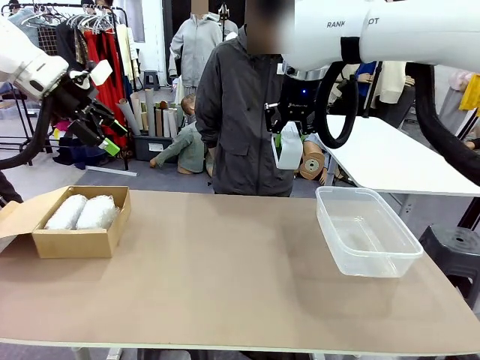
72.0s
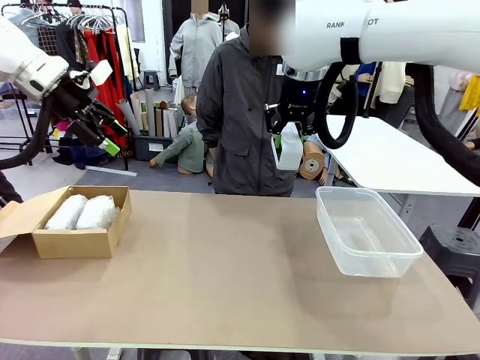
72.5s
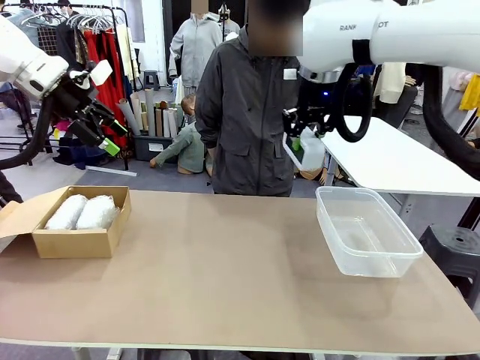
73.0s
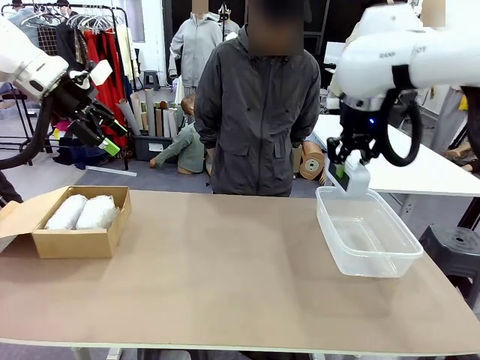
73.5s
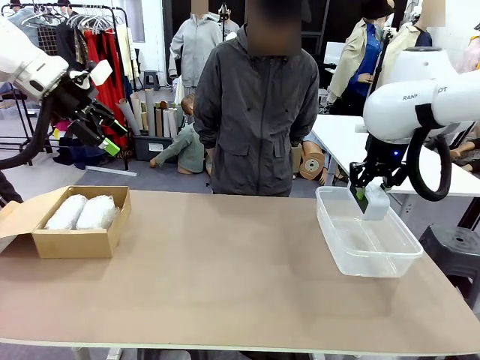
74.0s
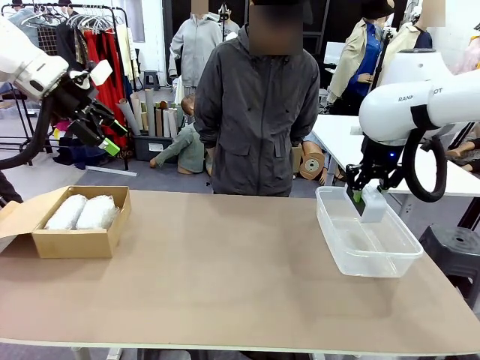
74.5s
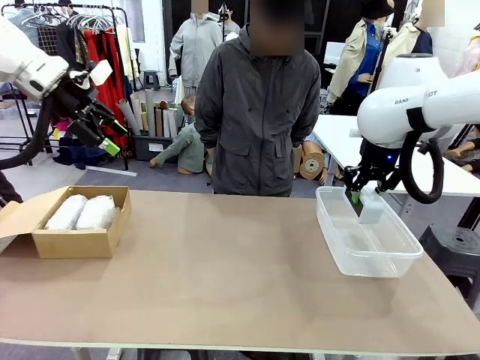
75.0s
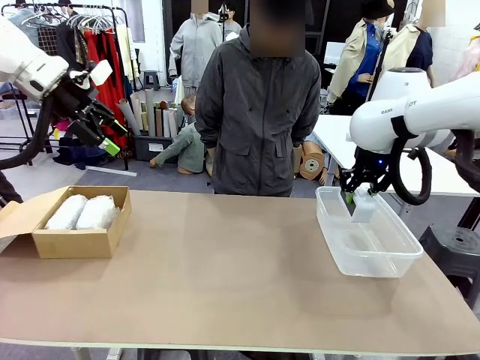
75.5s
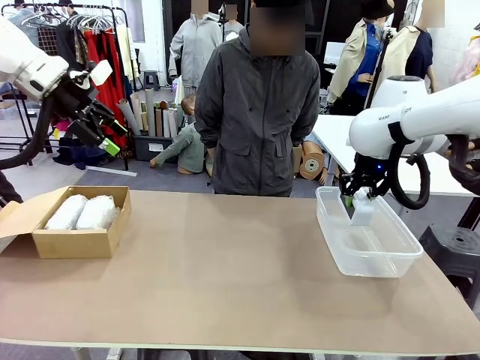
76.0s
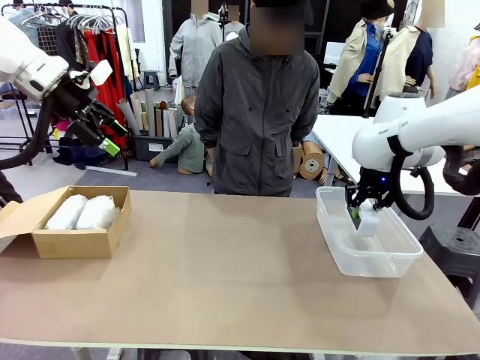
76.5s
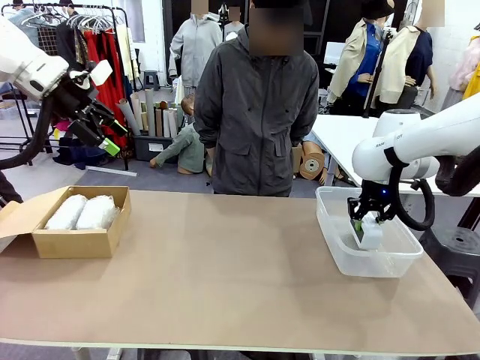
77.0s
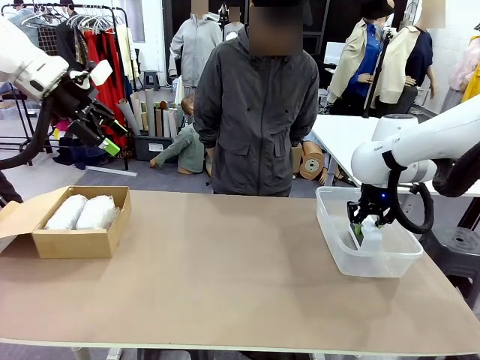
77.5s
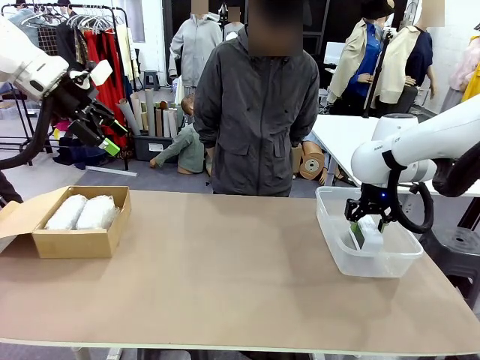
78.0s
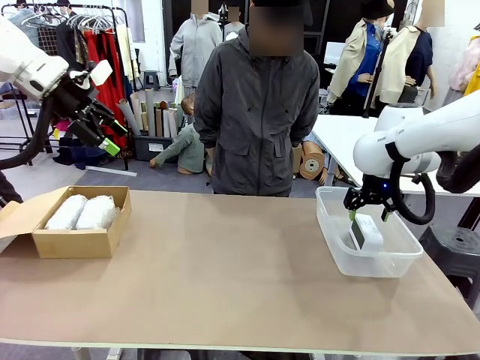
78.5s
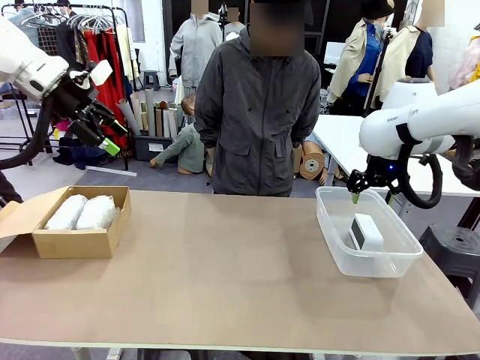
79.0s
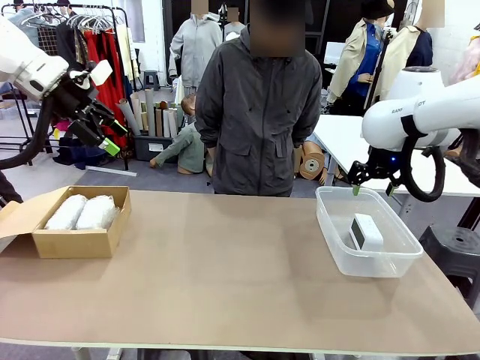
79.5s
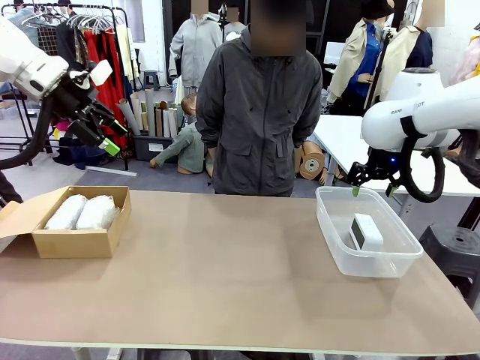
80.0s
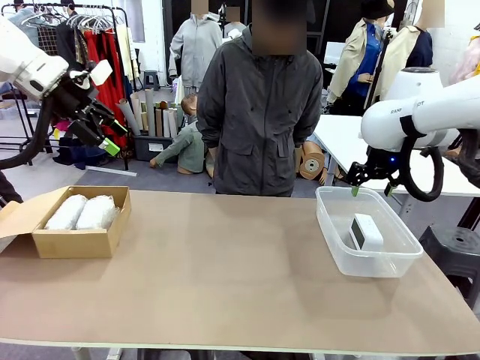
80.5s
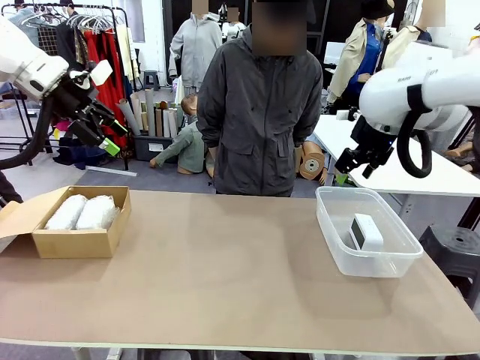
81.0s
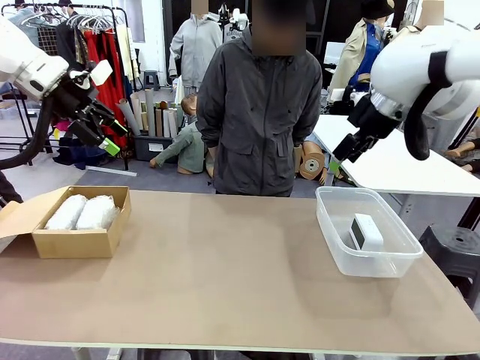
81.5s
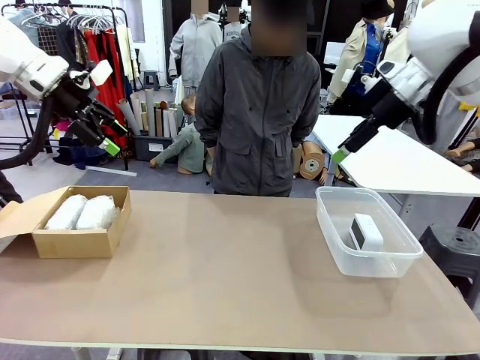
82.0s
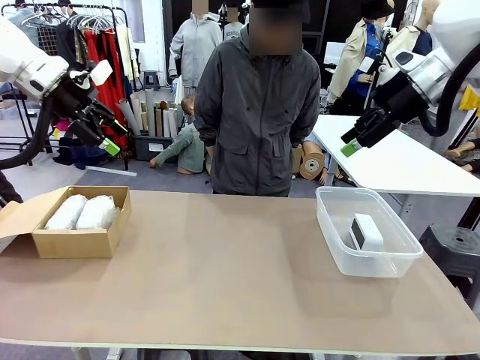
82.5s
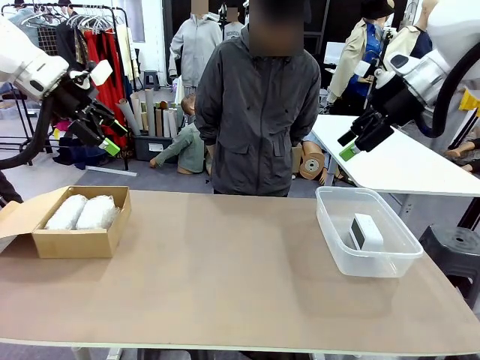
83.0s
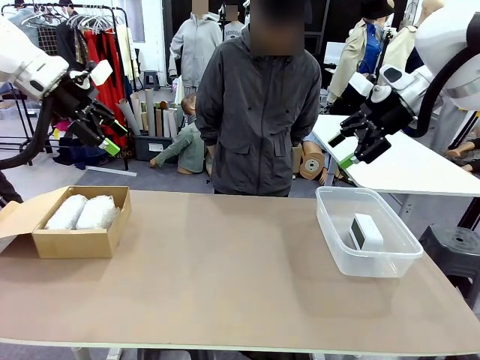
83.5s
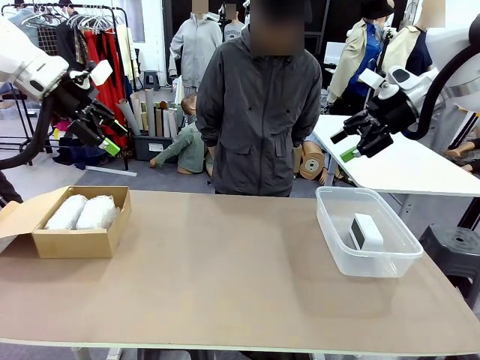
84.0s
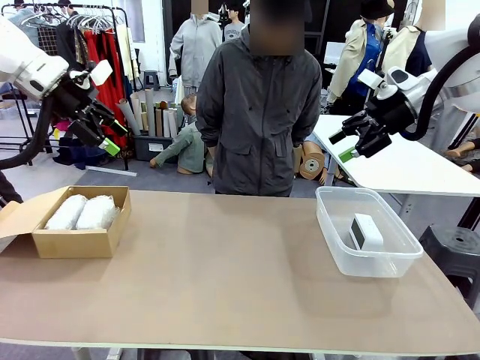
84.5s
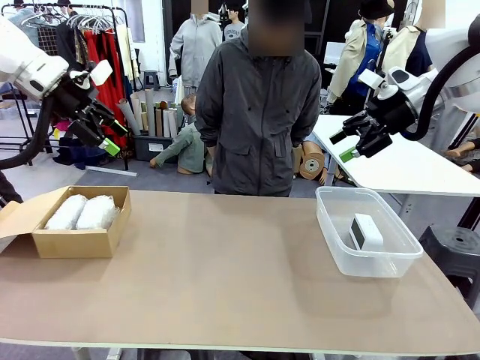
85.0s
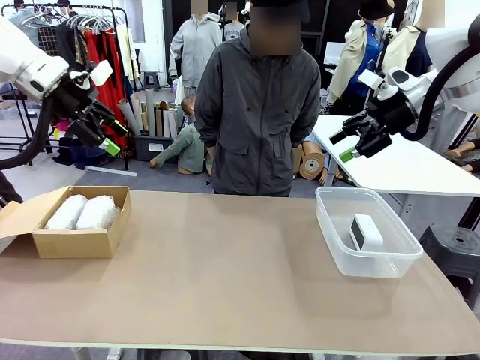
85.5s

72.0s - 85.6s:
Task: Separate and place wrapped and unwrapped clocks.
Robot: If the picked Digital clock is wrapped, place it in the Package Box ; if not, place it in the Organizing box.

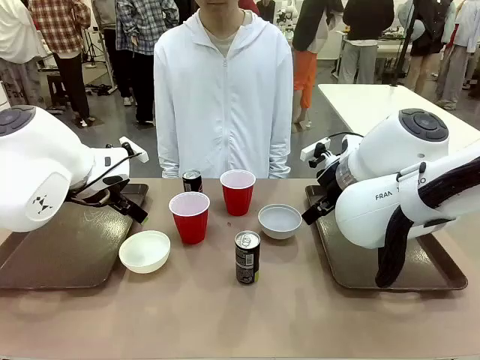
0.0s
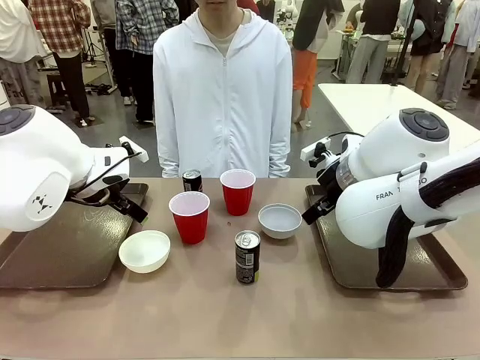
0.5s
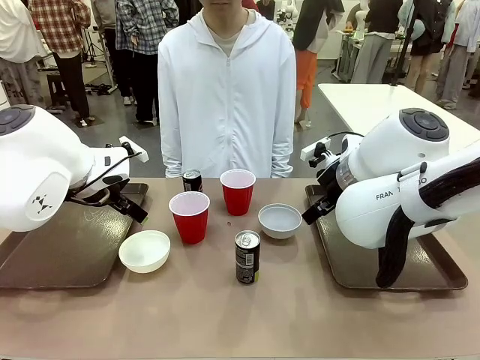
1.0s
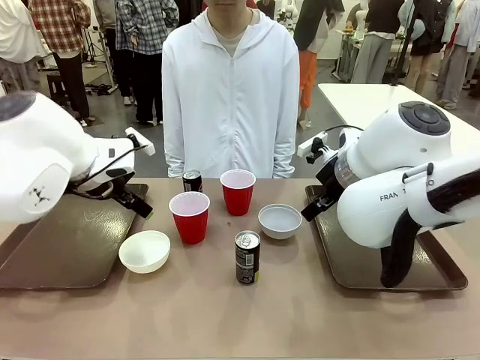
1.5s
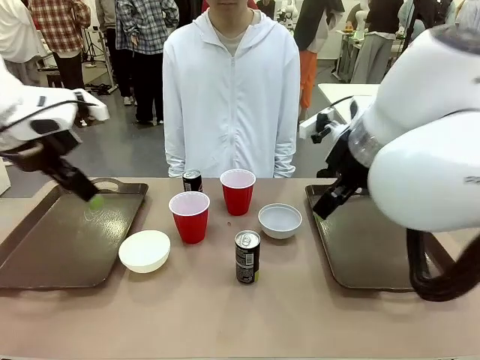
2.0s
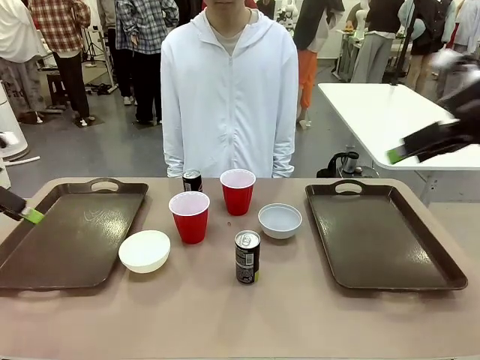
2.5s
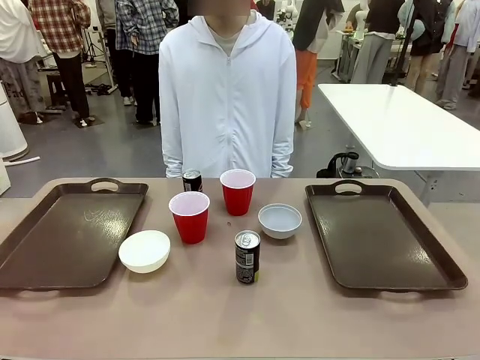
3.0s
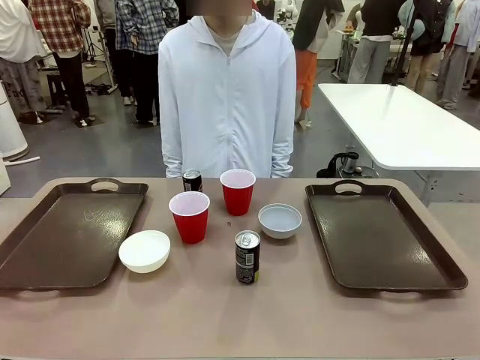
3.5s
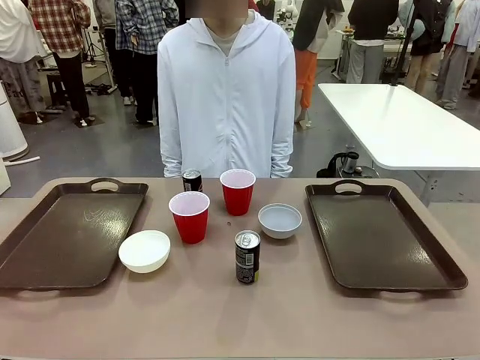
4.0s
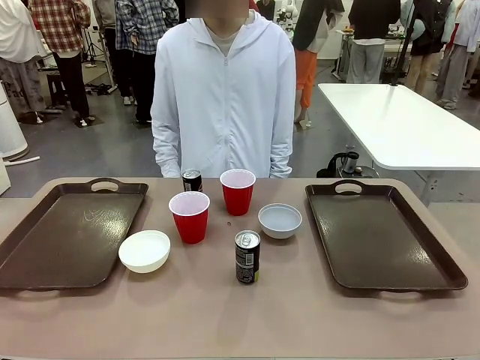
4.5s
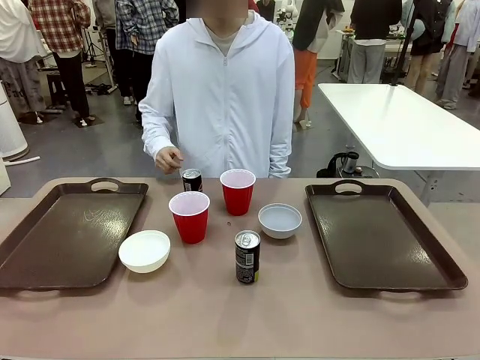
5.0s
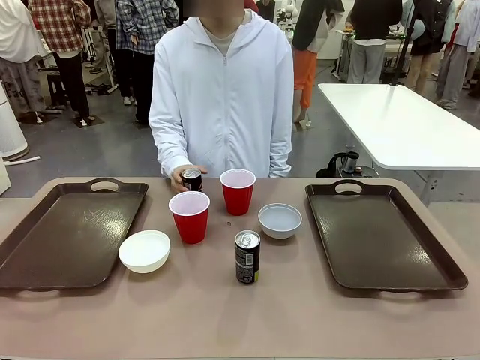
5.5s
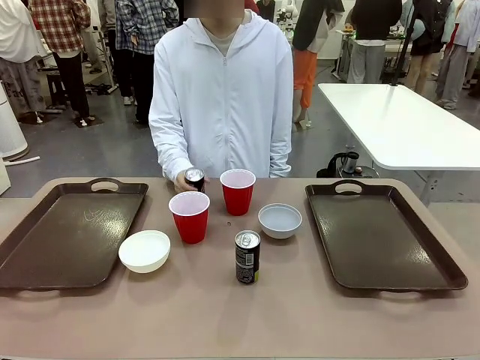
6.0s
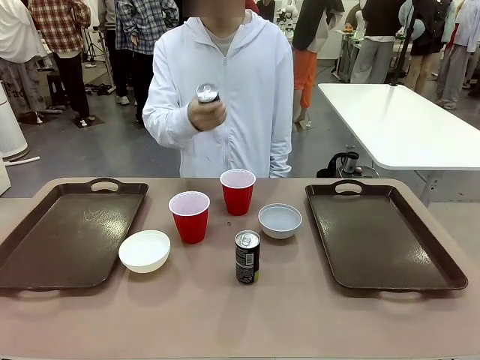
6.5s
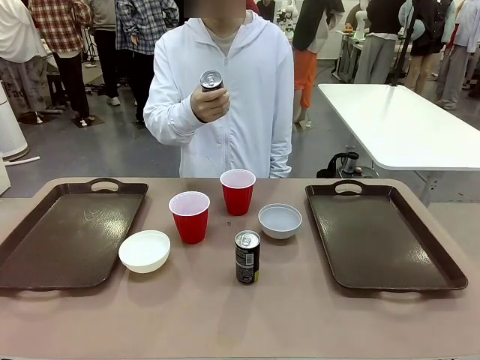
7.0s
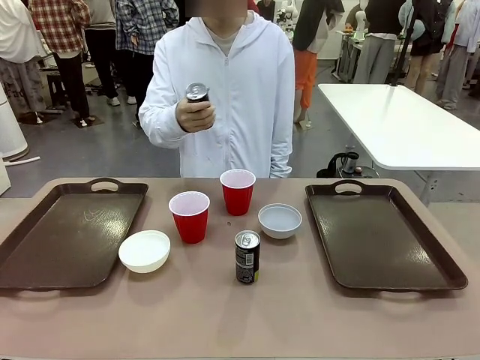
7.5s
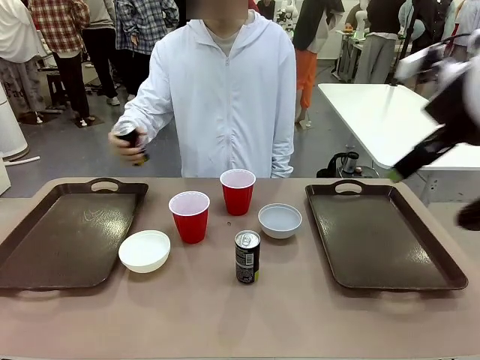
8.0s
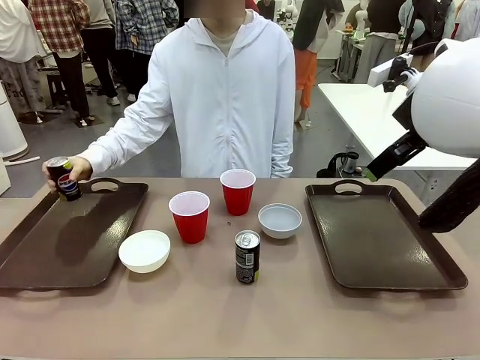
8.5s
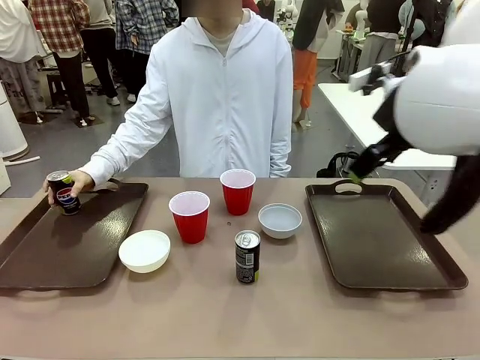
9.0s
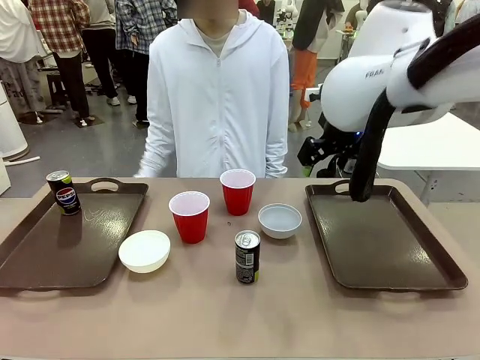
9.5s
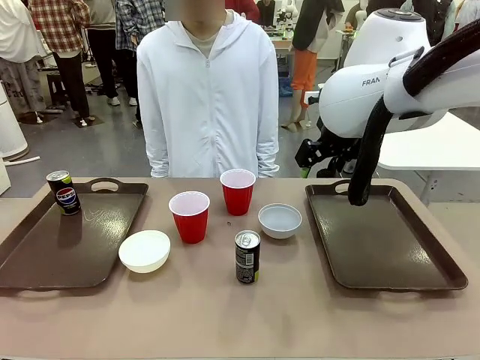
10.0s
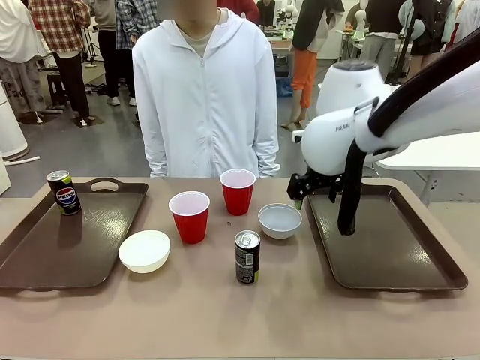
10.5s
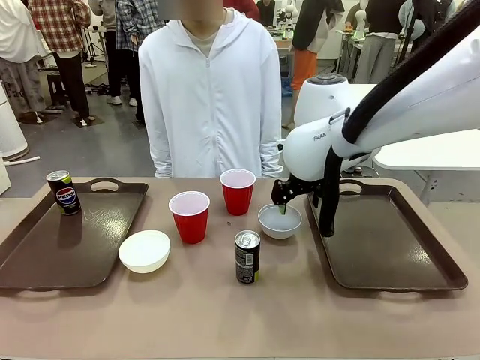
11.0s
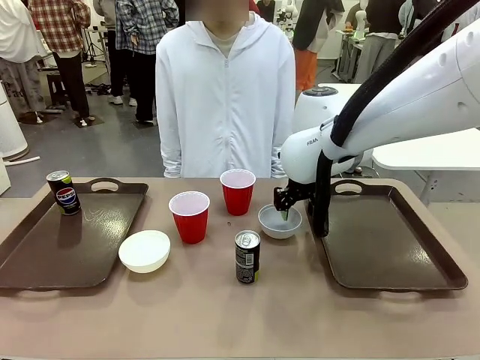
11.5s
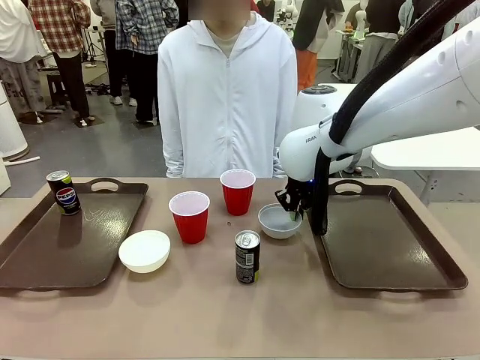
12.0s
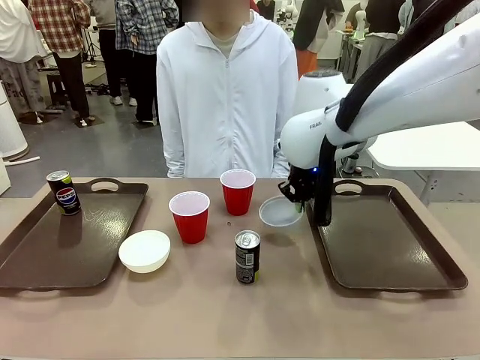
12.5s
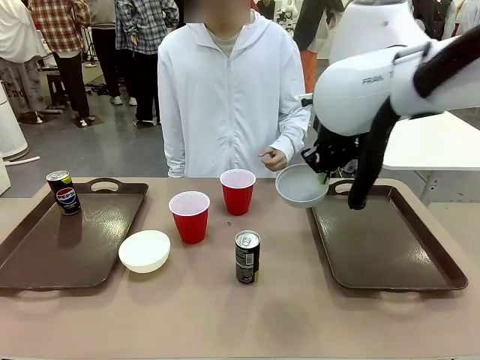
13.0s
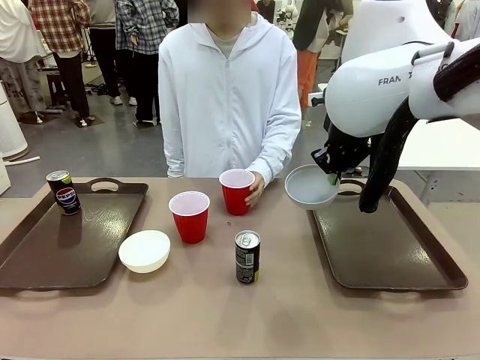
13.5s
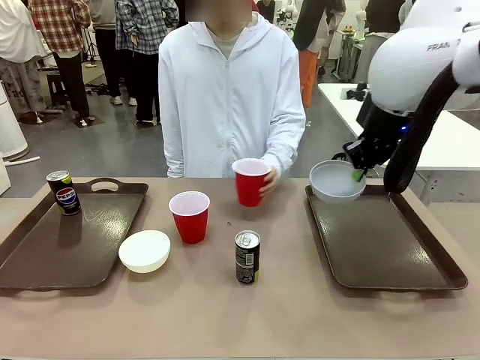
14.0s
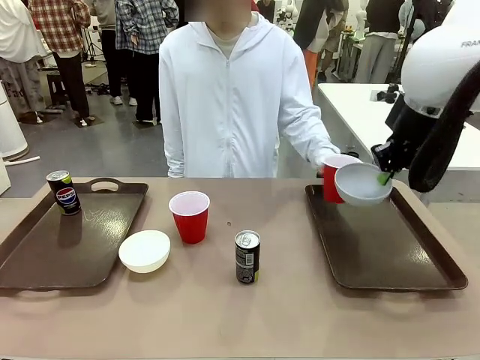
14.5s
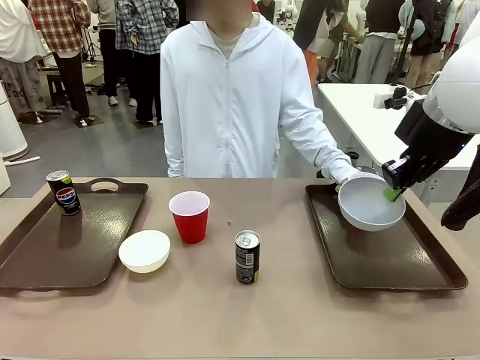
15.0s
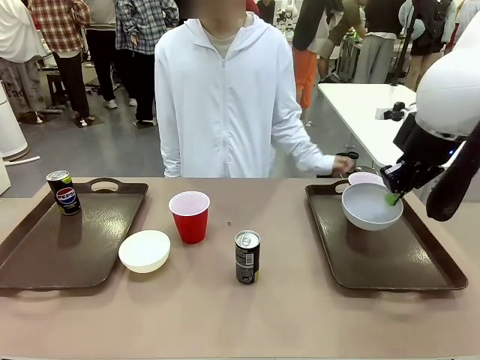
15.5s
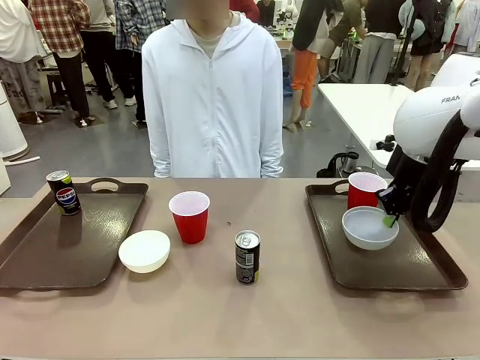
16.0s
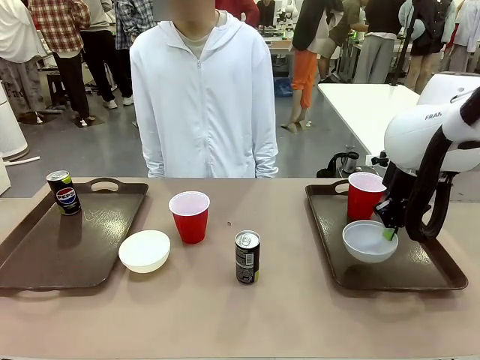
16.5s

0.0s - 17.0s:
Task: Prepare tableware on both trays.
Robot: Pick up a Picnic Bowl from the table and place it on a Handle tray.
Person: Pick up a can or cup and place it on the tray.
